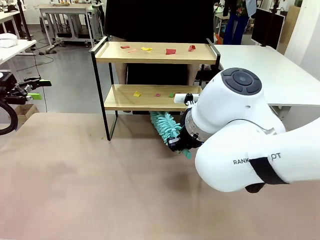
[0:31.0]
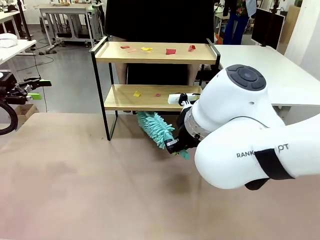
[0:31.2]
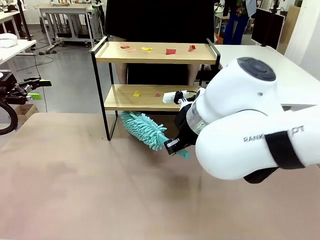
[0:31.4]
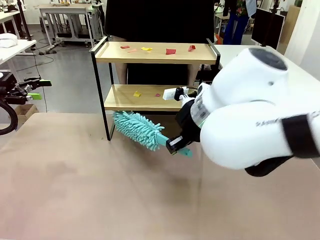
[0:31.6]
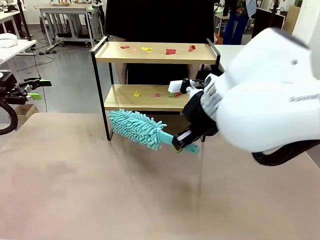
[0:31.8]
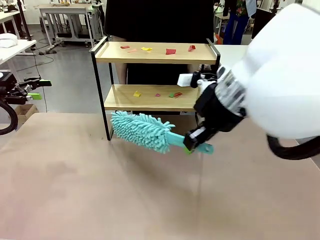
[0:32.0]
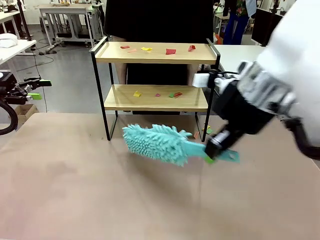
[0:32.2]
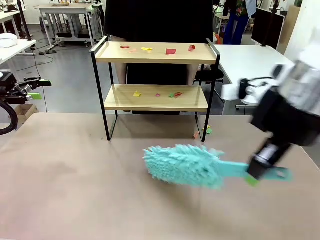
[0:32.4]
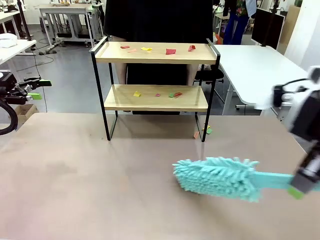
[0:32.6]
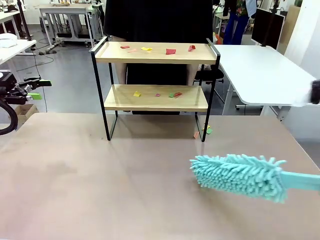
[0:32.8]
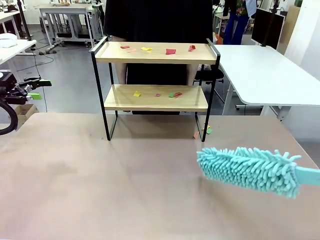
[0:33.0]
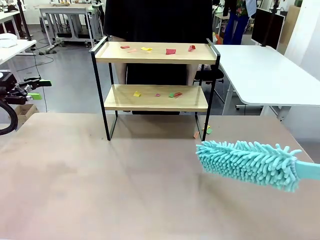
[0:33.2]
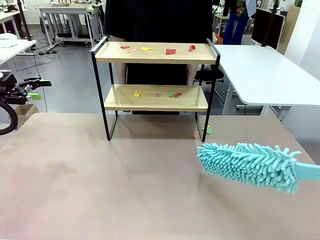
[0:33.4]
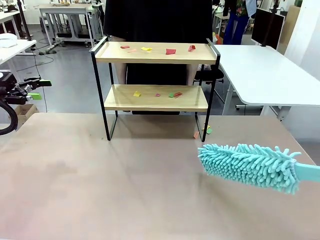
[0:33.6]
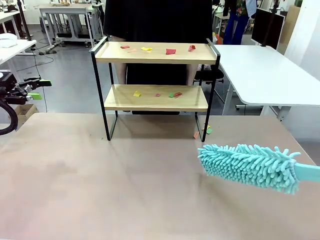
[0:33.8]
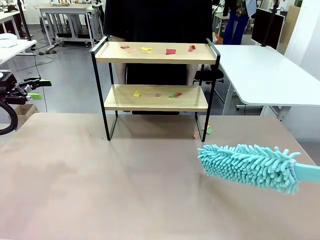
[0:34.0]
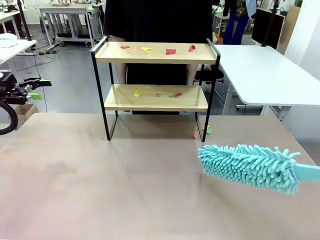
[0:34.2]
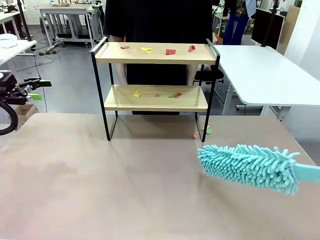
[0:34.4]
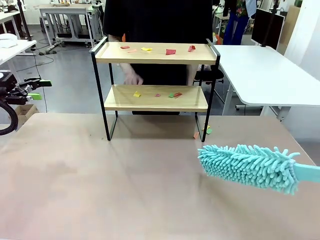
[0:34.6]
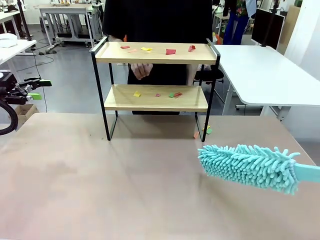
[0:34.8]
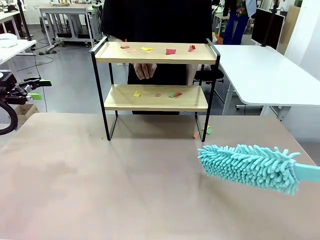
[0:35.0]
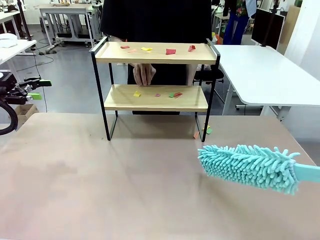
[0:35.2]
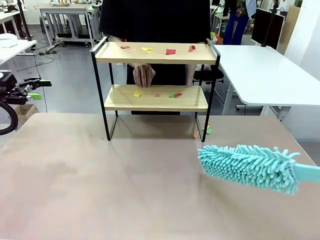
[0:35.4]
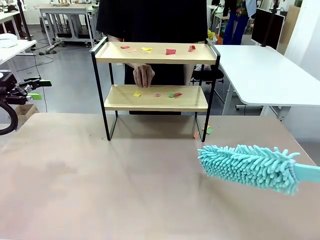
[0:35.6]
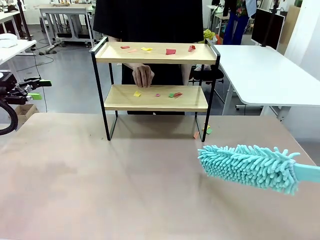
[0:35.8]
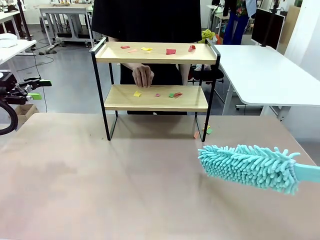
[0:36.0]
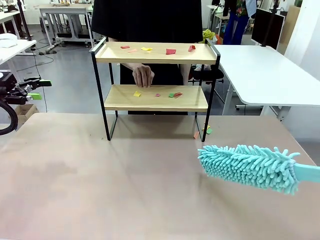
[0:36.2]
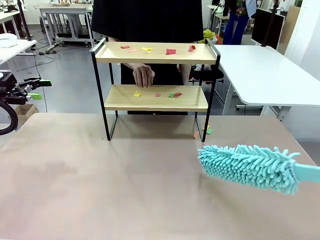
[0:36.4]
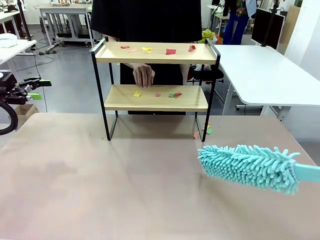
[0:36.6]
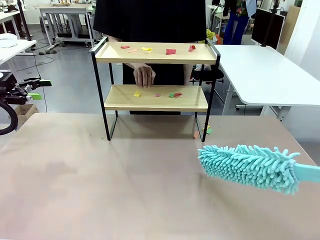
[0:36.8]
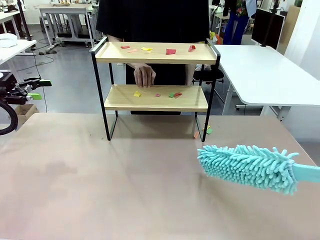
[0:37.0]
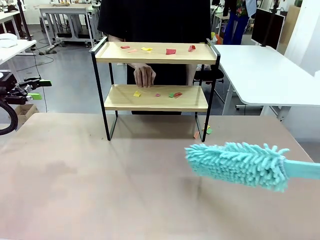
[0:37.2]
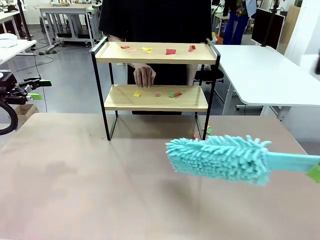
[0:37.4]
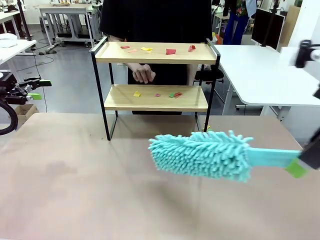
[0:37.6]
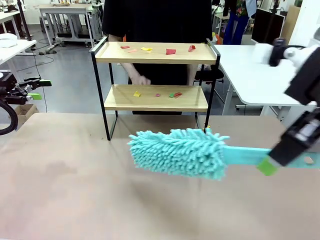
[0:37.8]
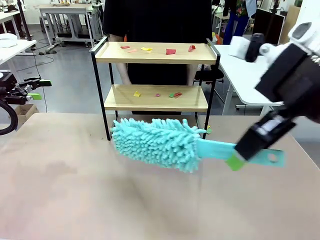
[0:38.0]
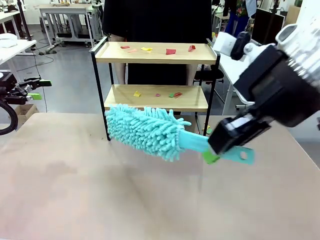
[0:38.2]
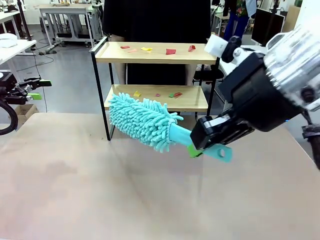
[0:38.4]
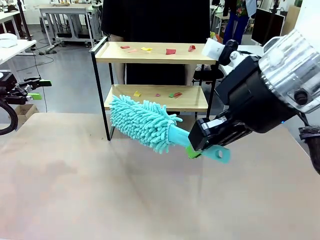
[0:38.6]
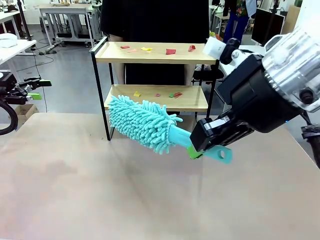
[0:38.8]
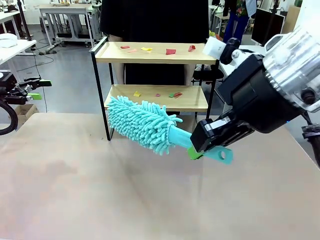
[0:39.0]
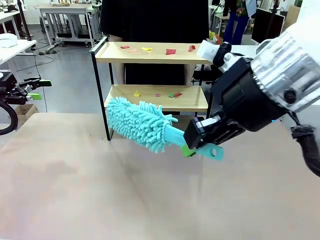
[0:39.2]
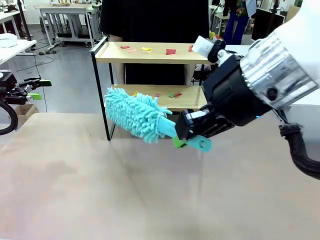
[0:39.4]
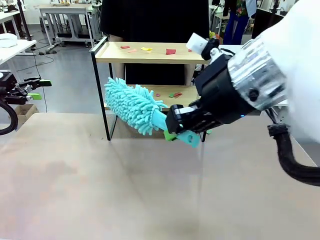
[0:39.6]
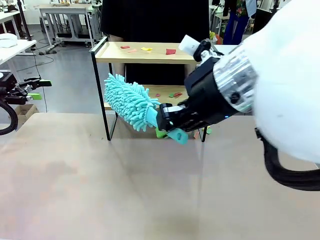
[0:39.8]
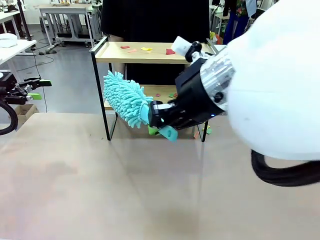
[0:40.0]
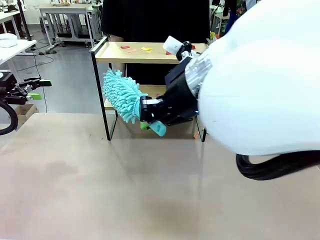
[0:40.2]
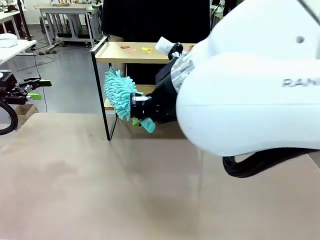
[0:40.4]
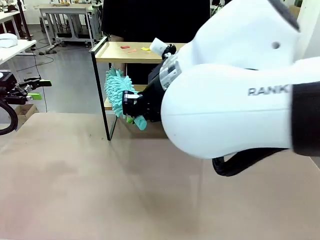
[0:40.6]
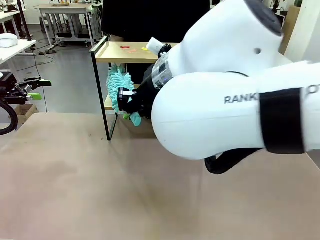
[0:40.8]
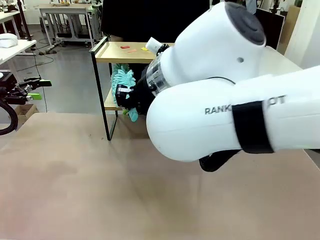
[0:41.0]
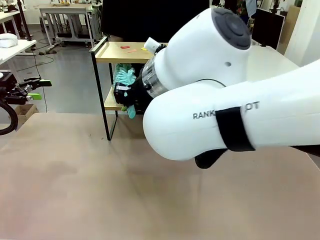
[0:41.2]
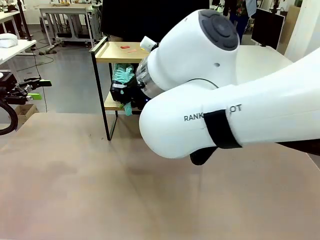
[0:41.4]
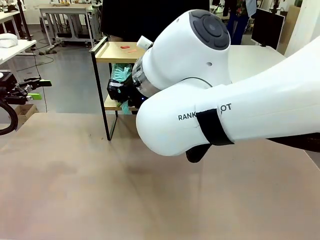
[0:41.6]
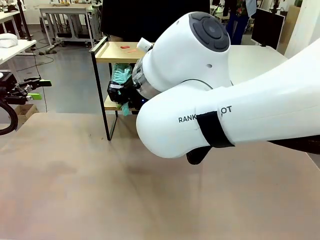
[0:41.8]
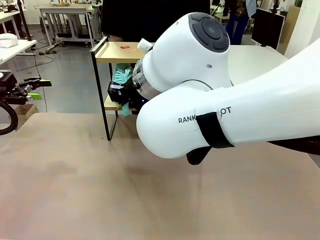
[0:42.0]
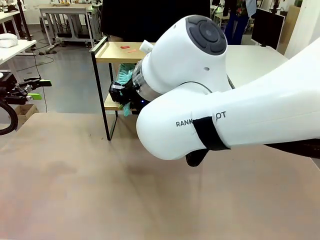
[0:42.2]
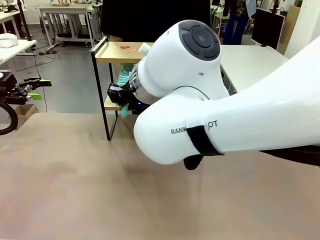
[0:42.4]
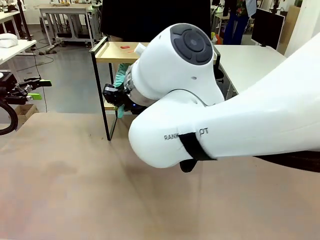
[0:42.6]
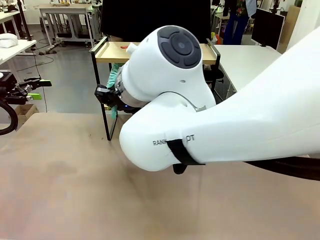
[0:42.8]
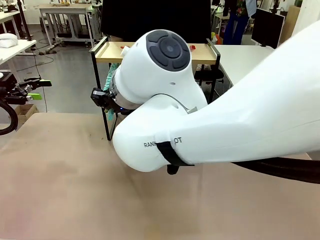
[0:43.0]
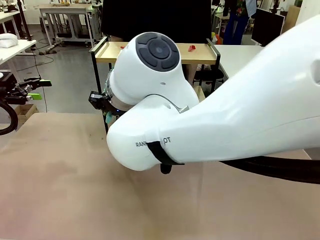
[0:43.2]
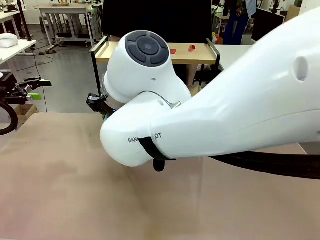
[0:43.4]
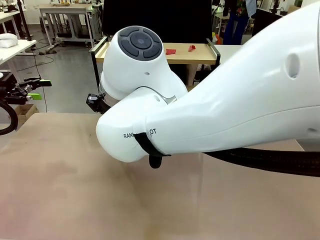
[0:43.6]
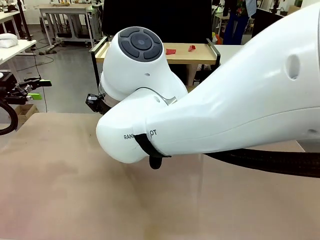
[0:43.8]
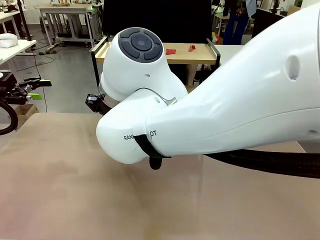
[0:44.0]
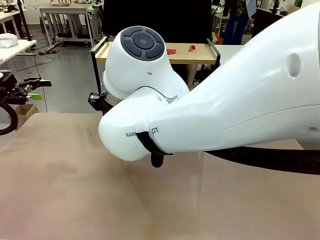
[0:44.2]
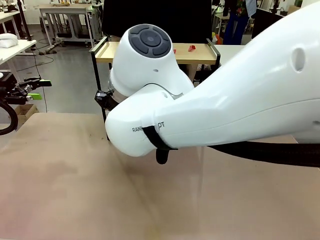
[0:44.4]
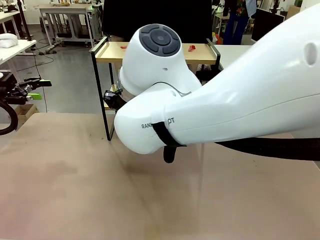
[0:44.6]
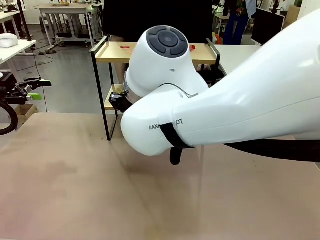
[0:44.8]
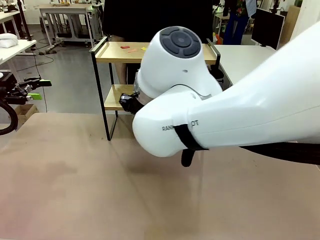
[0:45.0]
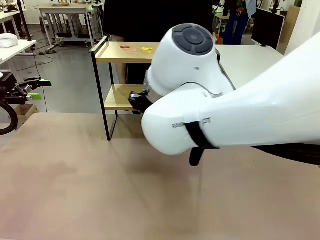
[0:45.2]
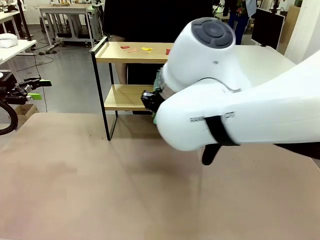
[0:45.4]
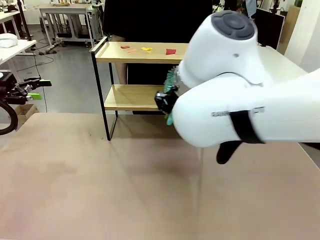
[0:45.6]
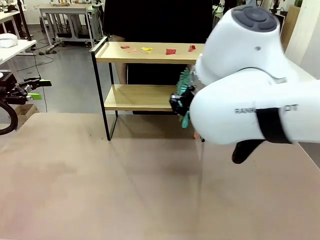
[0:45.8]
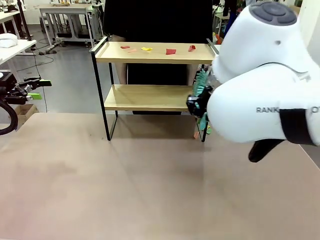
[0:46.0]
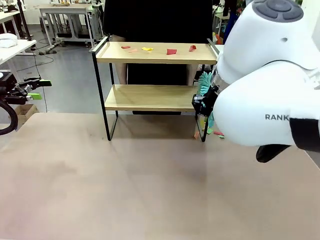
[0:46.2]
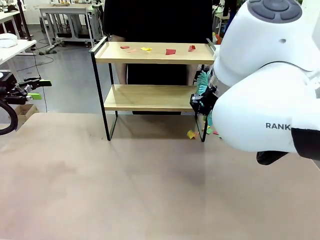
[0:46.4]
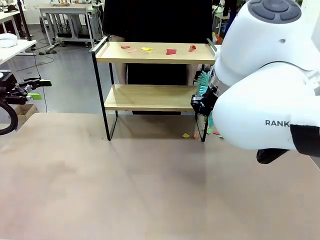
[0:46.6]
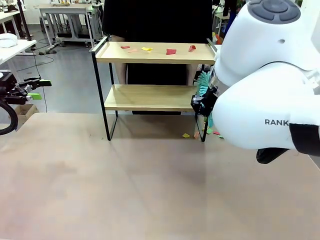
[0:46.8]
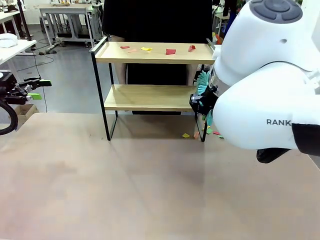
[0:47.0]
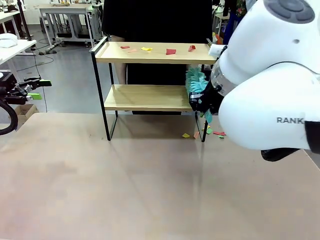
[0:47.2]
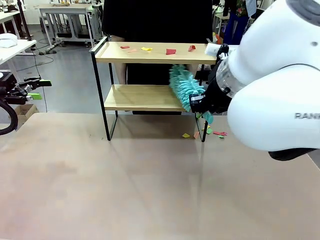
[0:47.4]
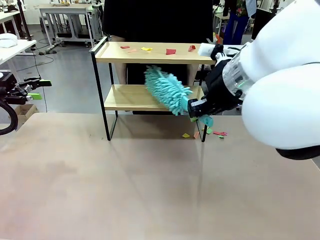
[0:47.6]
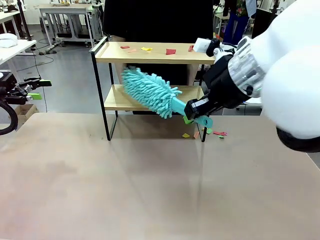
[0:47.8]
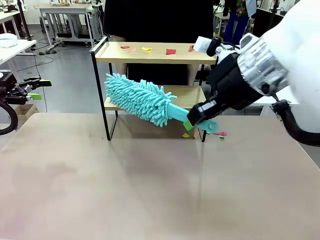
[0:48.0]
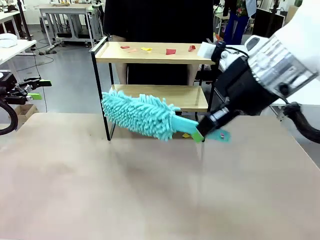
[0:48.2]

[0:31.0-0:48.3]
Task: Clean the shelf.
Robot: Clean the specific section of the Shelf indicated by the human with the Duster.
Person: Point a remaining section of the Shelf.
